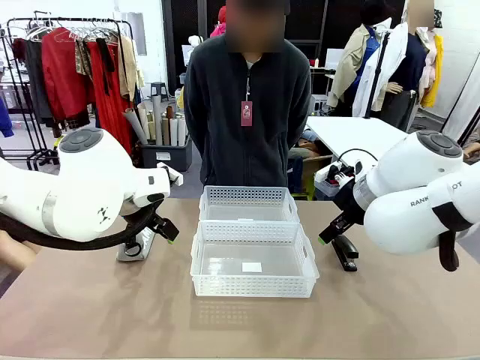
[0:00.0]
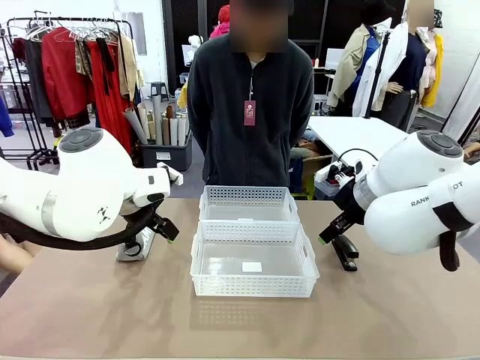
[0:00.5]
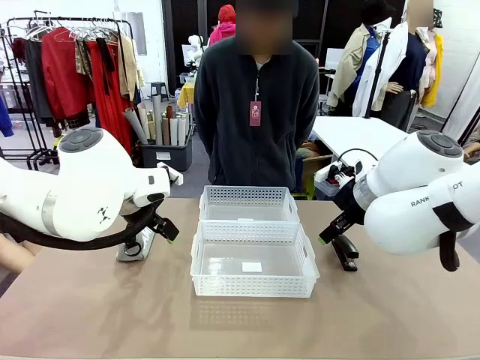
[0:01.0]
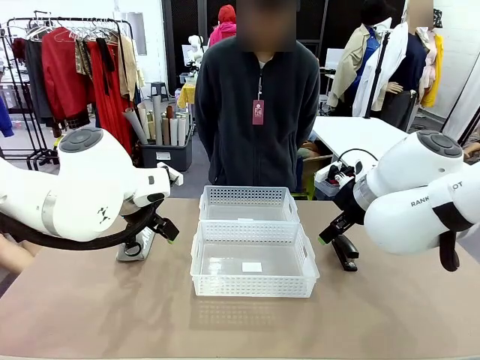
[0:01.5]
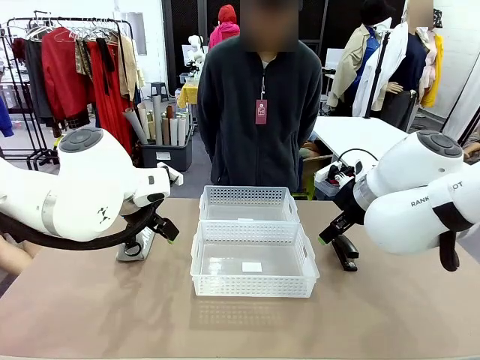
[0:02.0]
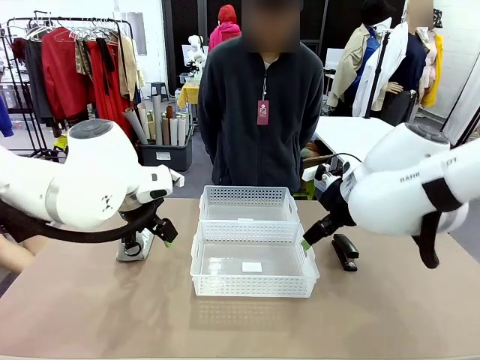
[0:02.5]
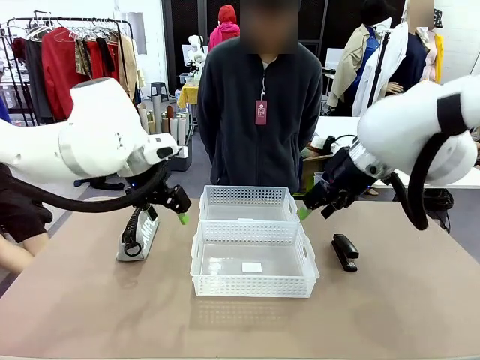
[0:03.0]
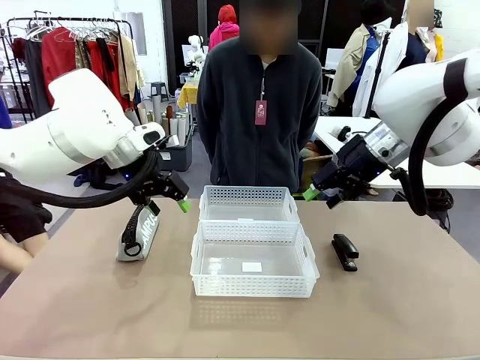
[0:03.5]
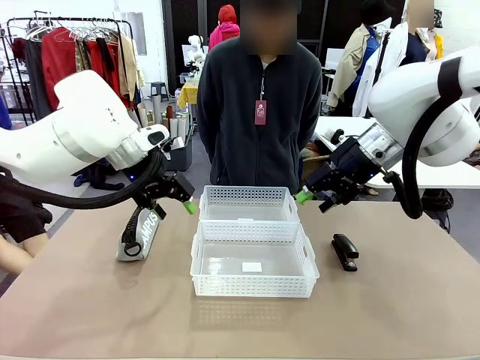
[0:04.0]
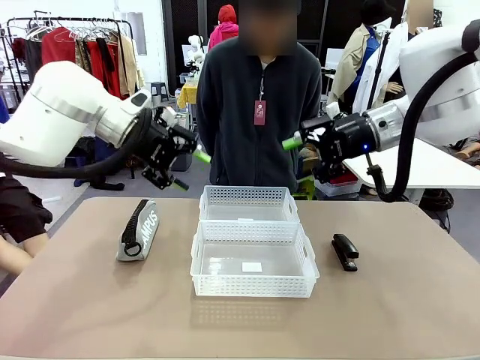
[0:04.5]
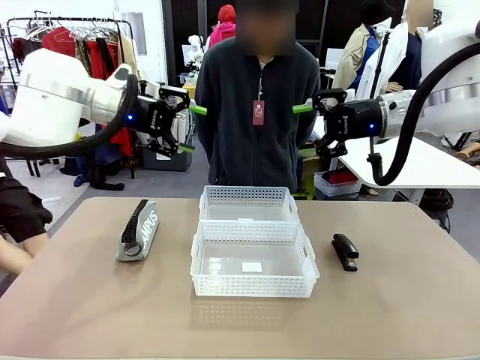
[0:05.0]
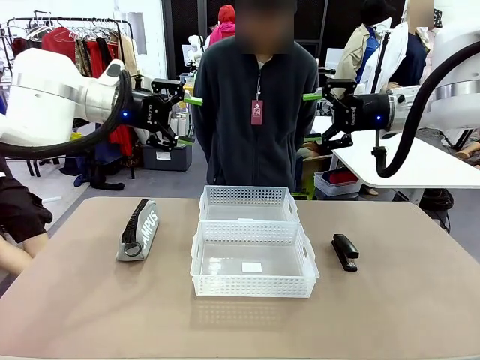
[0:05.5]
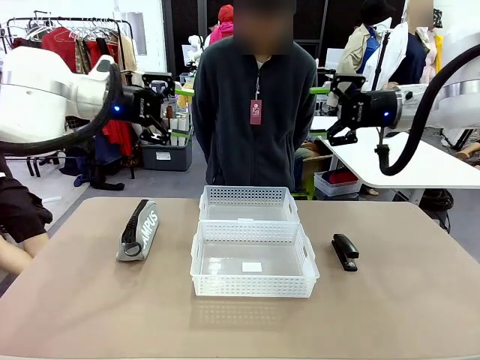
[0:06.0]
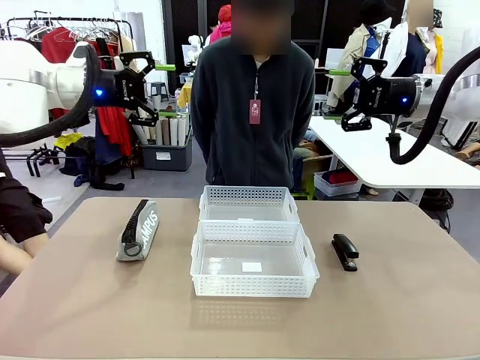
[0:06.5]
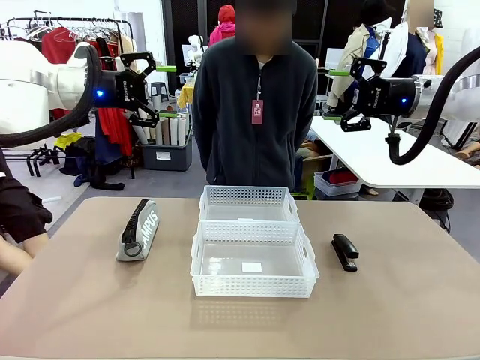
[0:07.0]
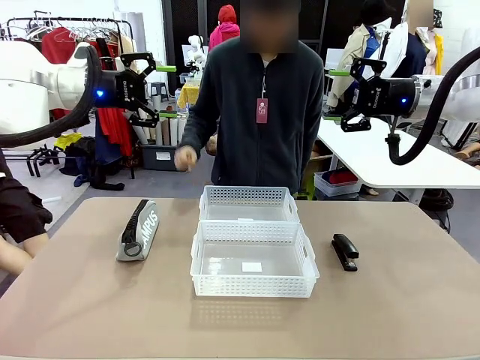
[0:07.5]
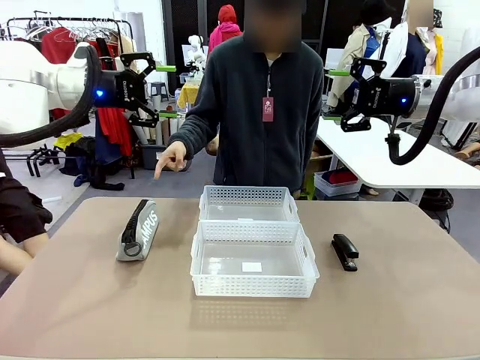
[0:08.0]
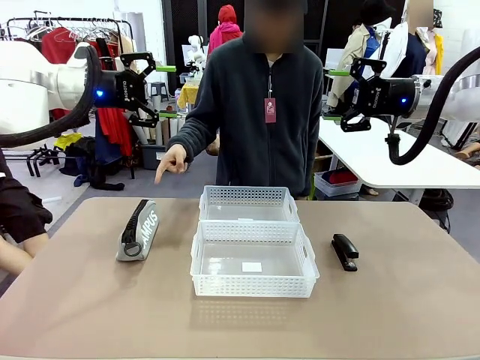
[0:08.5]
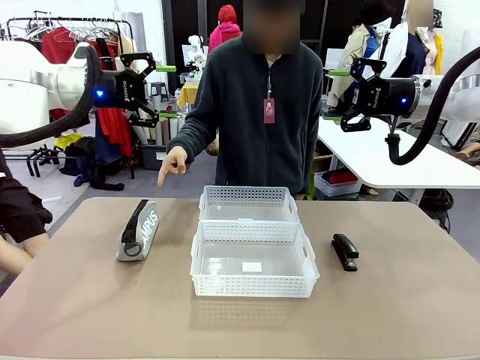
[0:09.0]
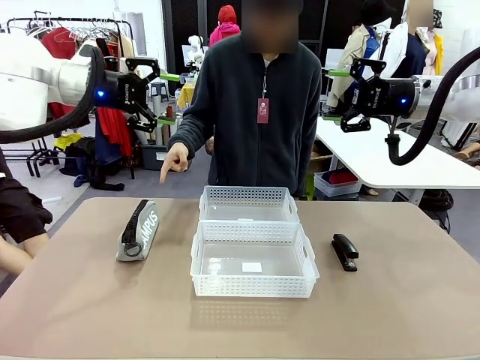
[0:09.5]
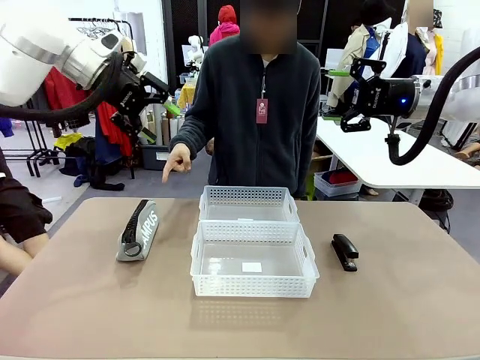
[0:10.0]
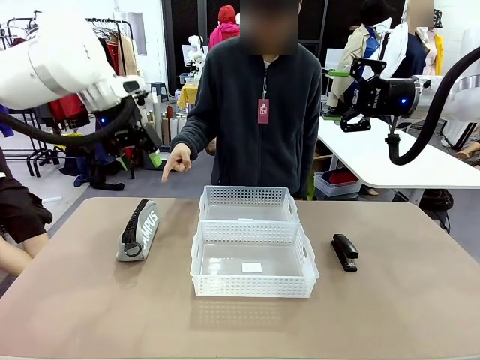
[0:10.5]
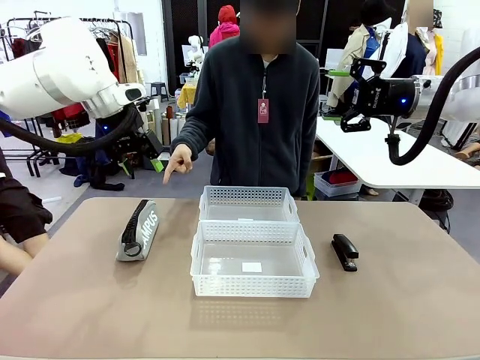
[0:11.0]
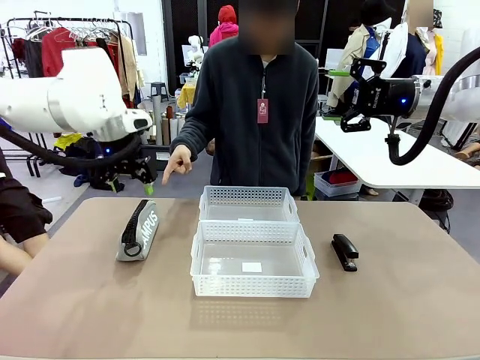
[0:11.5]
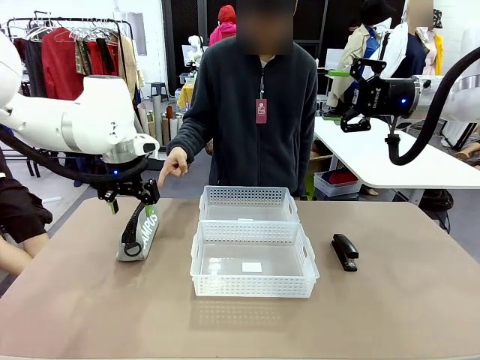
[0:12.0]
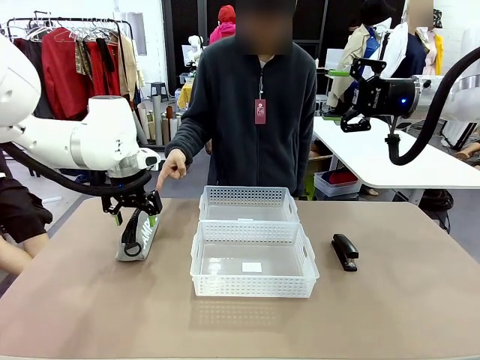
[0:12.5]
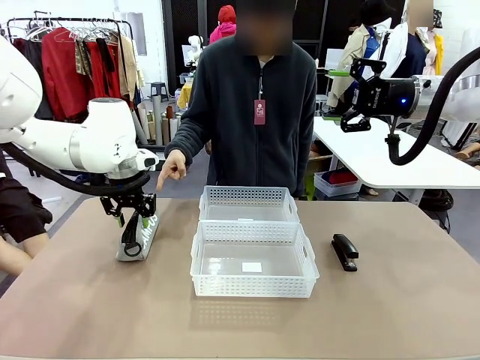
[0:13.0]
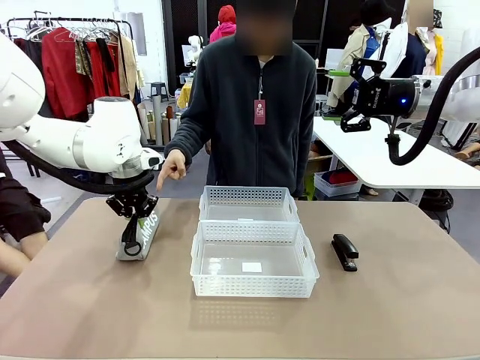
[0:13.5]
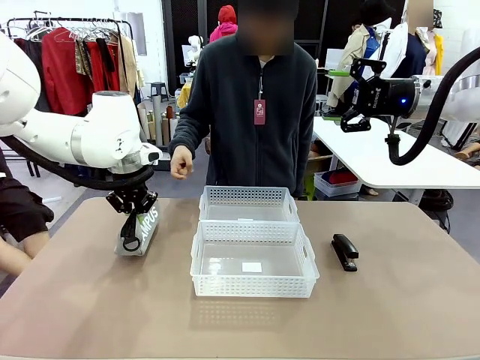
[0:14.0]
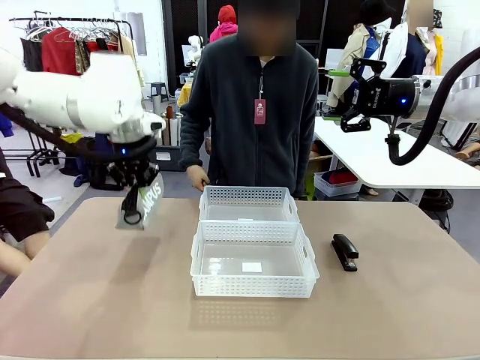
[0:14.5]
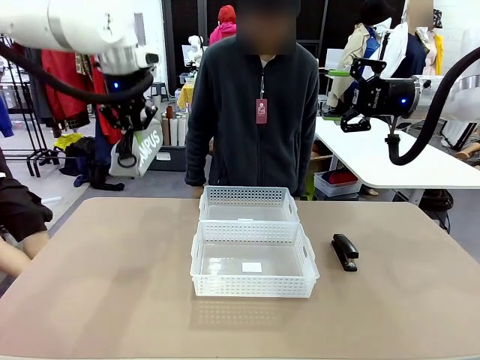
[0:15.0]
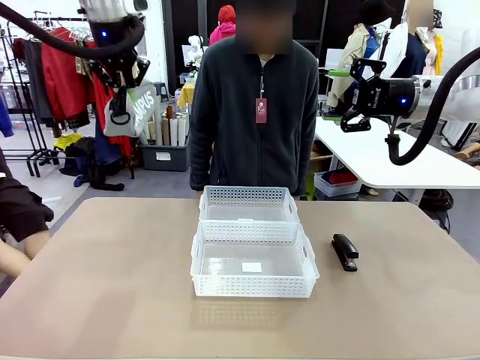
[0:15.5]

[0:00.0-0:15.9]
Task: Distribute items into two baskets.
Robot: Pick up the Pencil pouch that the person points to.
Person: Points to the pencil case. Points between the two organizing baskets and instructs the robot to move the pencil case.

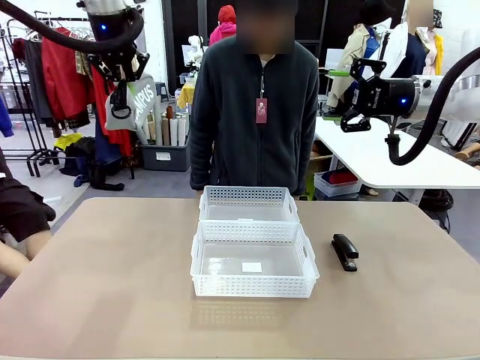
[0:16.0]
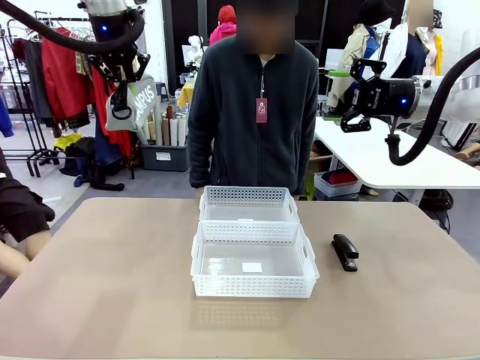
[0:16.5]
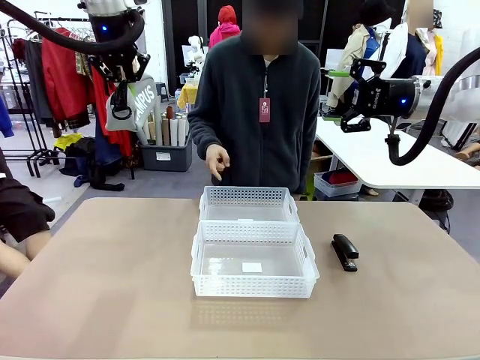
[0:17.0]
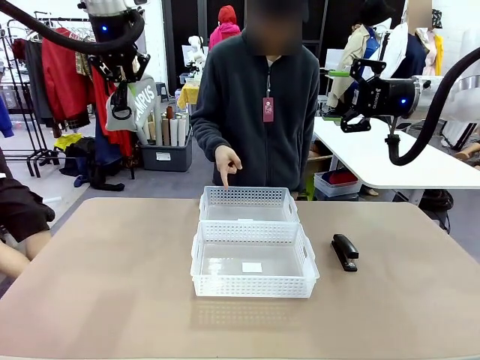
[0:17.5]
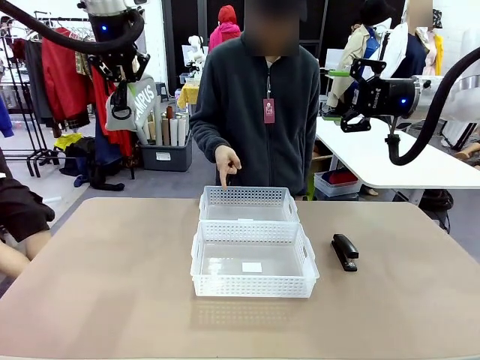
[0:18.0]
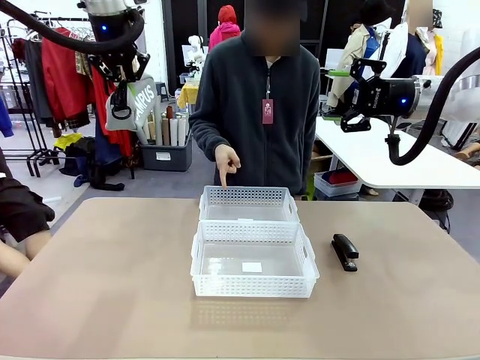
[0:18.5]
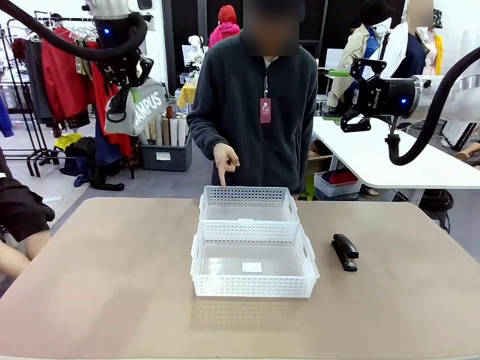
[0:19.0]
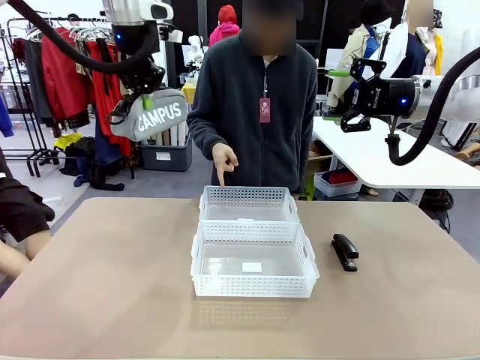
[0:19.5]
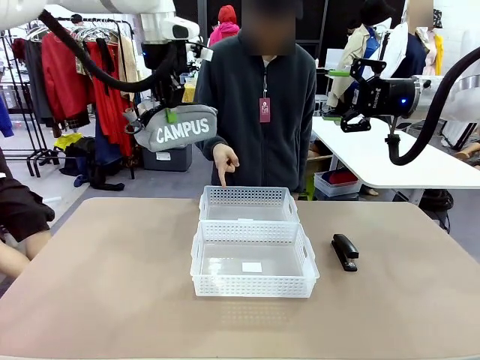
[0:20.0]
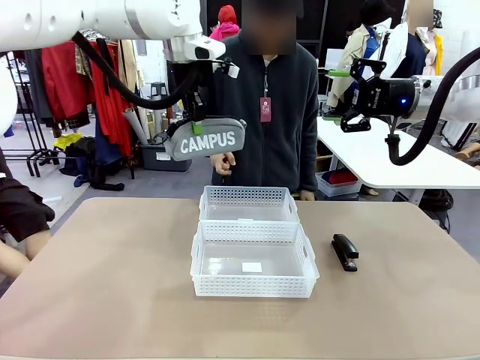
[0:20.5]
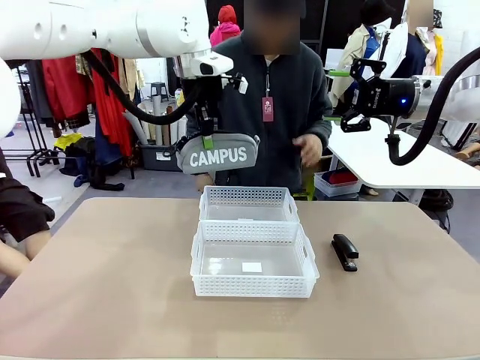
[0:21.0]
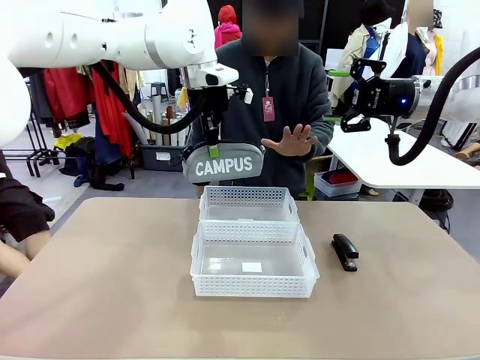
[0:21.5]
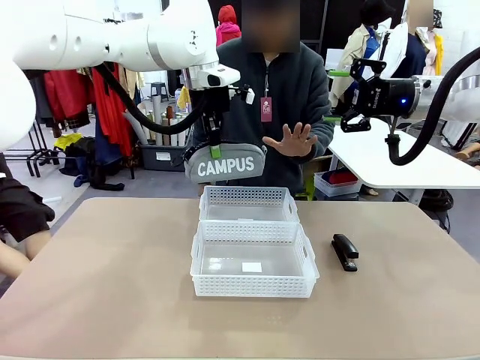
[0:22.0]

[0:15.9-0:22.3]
Robot: Move the picked Pencil pouch towards the Organizing basket indicated by the person, stopping as directed.
Person: Sends a stop gesture before the robot places the pencil case into the basket.

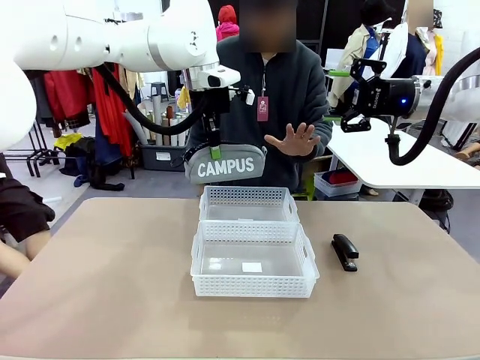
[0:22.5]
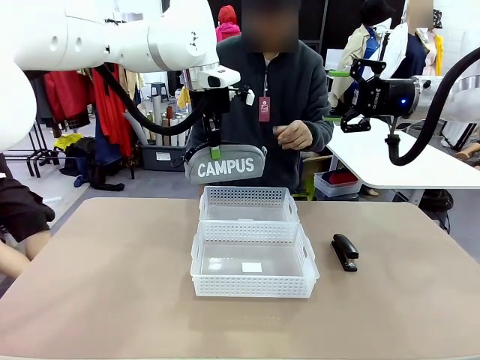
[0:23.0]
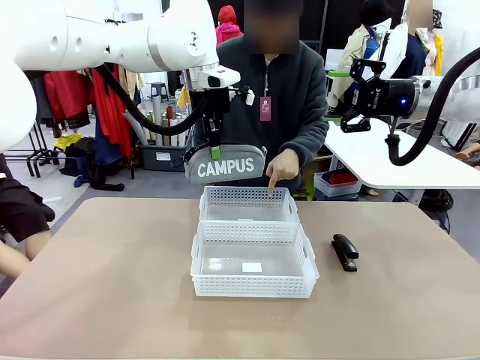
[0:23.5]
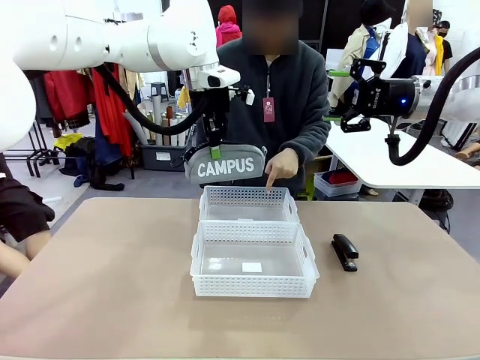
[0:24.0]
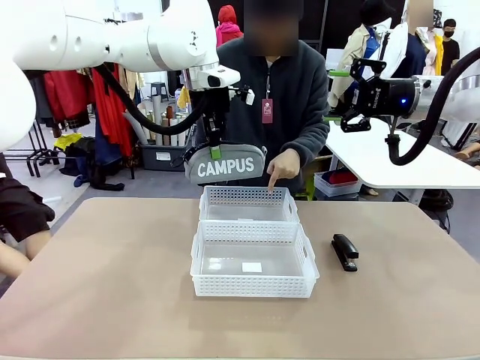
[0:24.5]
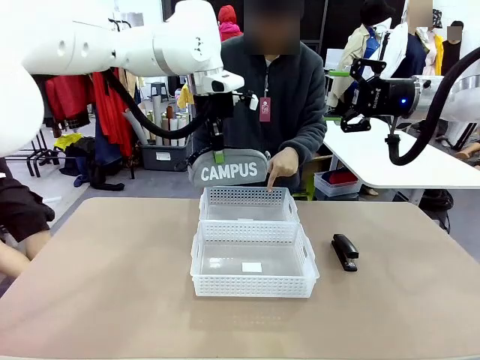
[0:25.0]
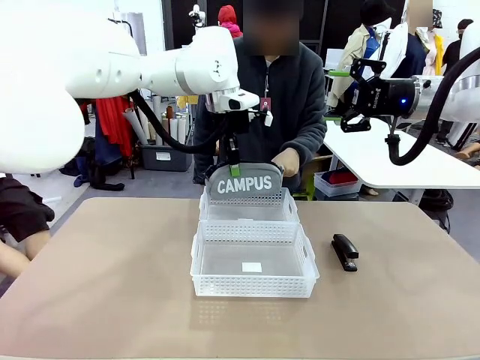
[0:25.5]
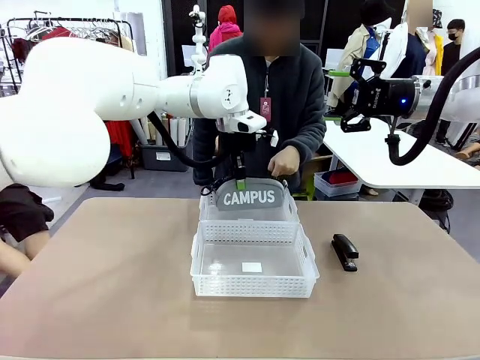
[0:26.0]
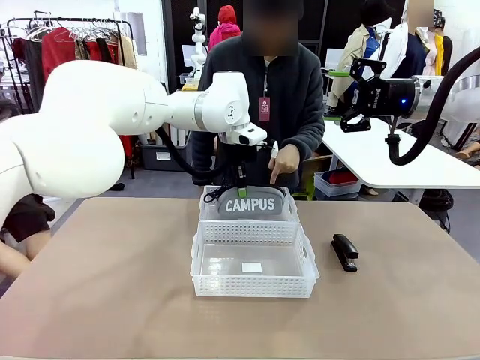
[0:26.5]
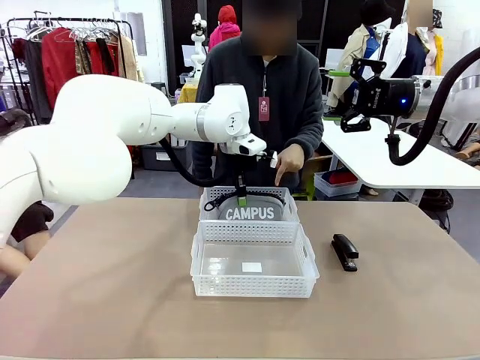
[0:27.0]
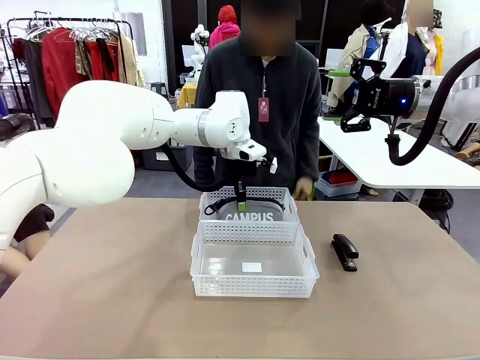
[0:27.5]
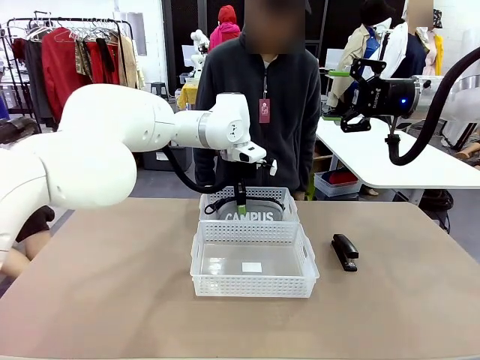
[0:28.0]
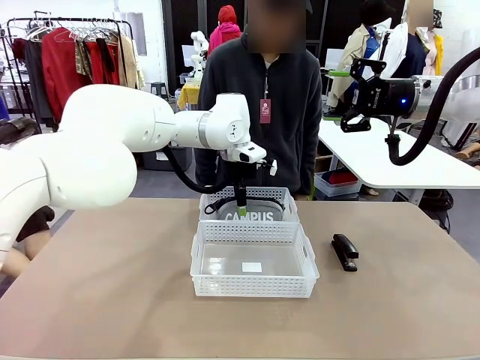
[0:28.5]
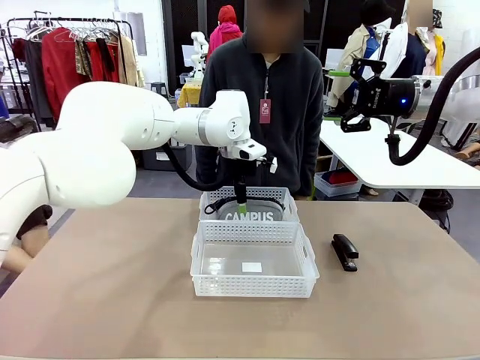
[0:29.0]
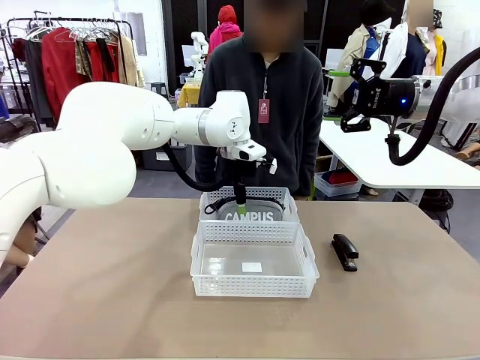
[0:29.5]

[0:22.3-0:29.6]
Robot: Place the picked Pencil pouch into the Organizing basket as instructed by the person.
Person: Instructs the robot to place the pencil case into the opposite basket.
